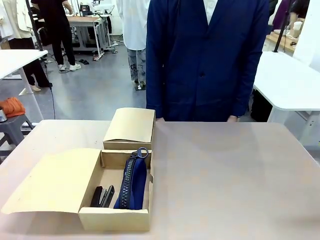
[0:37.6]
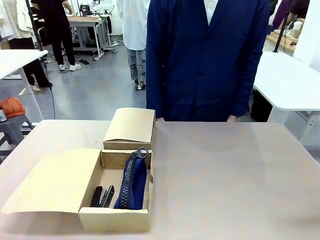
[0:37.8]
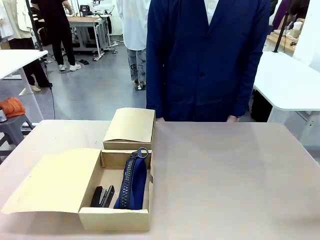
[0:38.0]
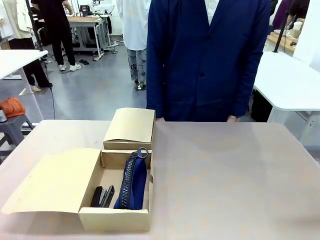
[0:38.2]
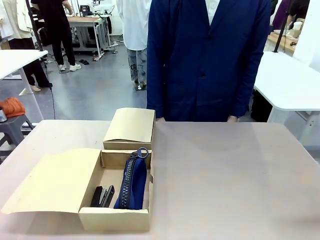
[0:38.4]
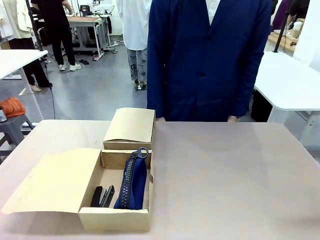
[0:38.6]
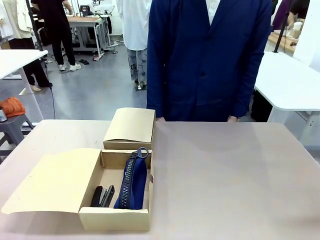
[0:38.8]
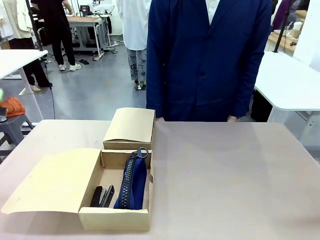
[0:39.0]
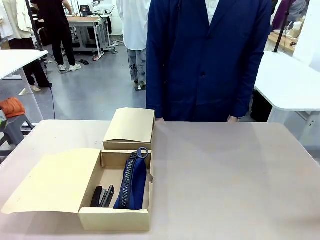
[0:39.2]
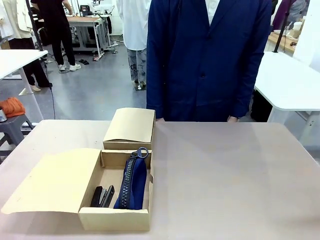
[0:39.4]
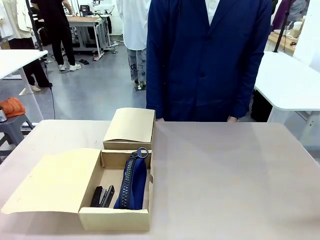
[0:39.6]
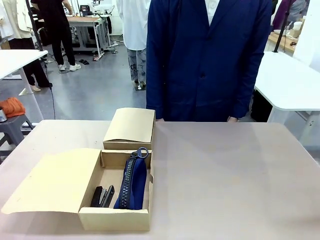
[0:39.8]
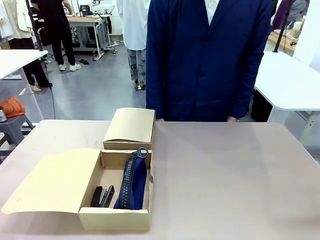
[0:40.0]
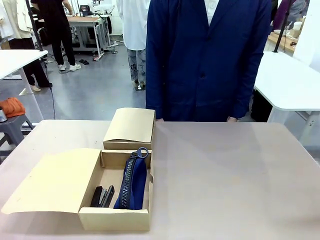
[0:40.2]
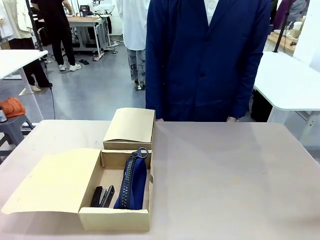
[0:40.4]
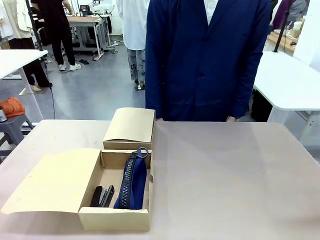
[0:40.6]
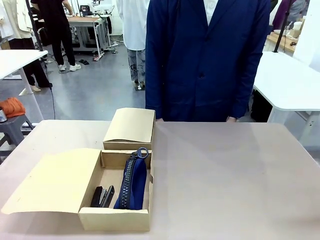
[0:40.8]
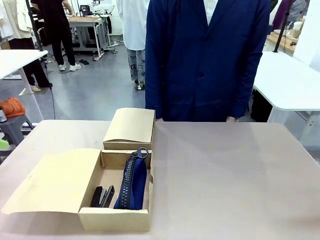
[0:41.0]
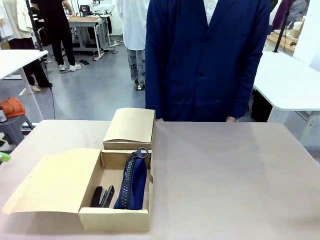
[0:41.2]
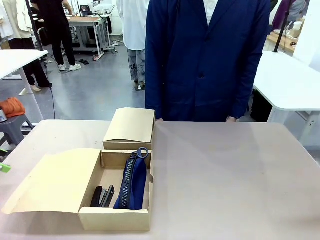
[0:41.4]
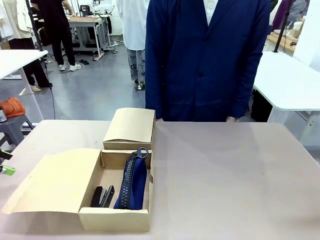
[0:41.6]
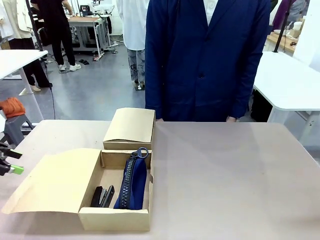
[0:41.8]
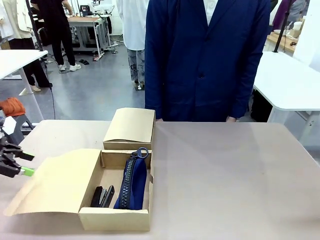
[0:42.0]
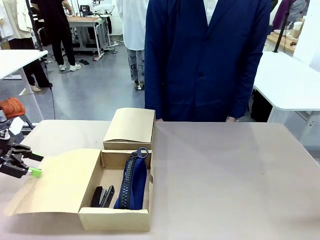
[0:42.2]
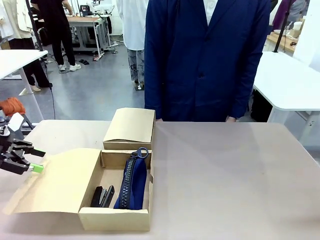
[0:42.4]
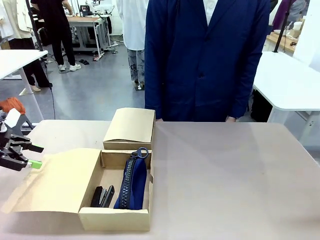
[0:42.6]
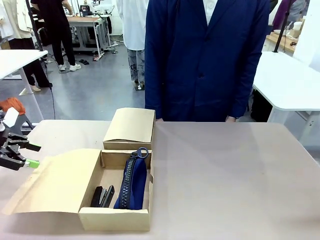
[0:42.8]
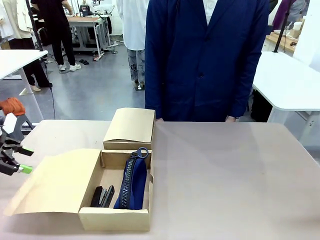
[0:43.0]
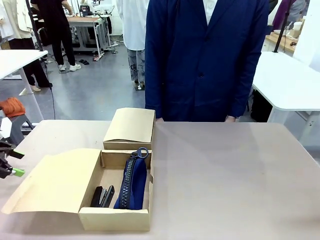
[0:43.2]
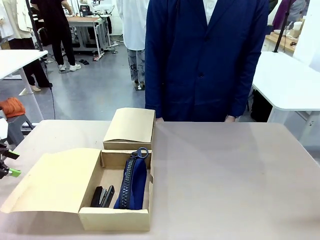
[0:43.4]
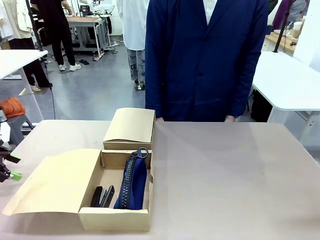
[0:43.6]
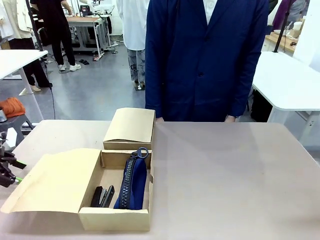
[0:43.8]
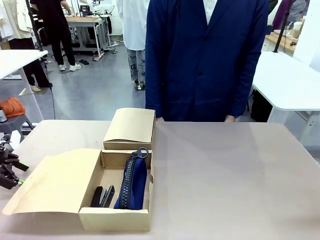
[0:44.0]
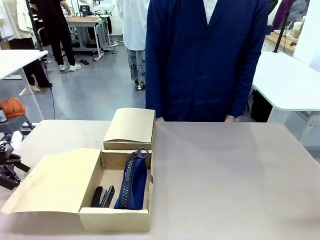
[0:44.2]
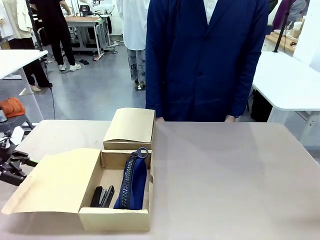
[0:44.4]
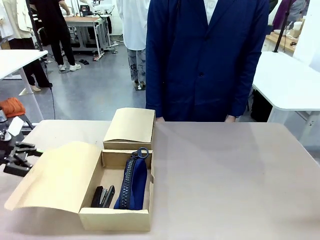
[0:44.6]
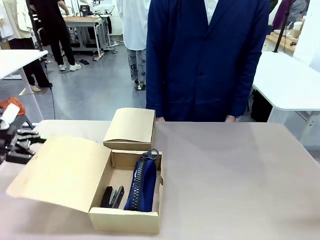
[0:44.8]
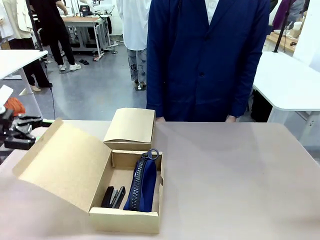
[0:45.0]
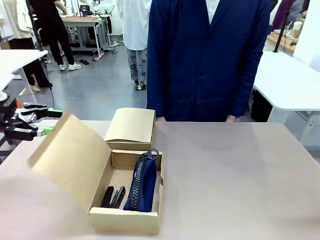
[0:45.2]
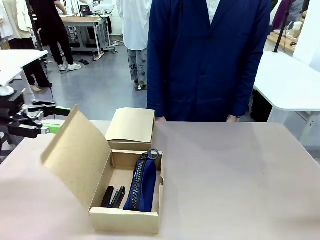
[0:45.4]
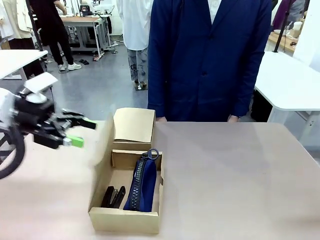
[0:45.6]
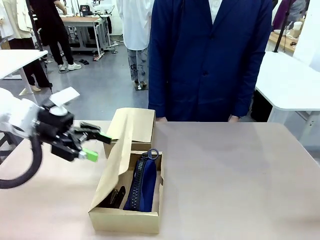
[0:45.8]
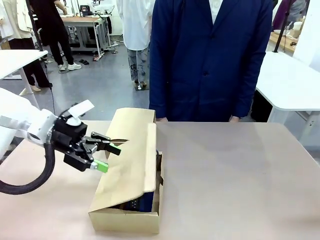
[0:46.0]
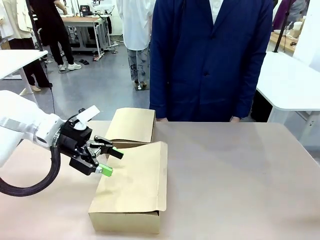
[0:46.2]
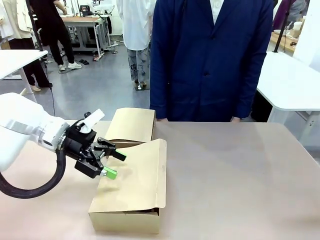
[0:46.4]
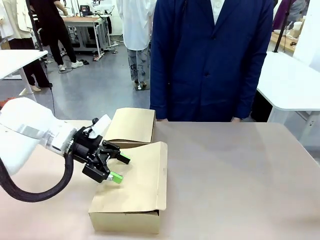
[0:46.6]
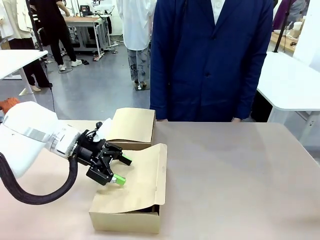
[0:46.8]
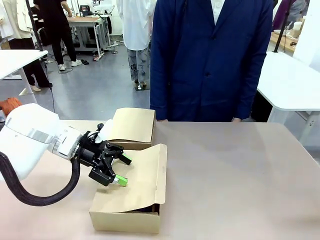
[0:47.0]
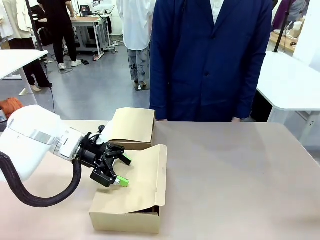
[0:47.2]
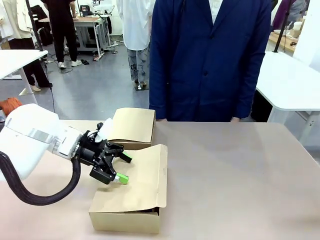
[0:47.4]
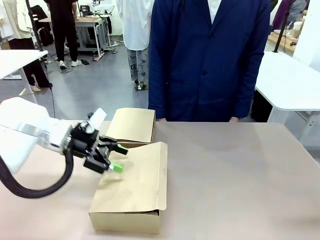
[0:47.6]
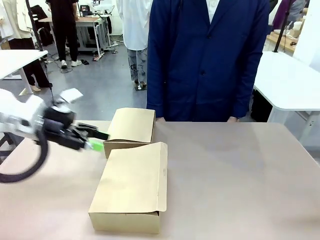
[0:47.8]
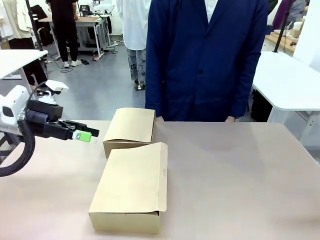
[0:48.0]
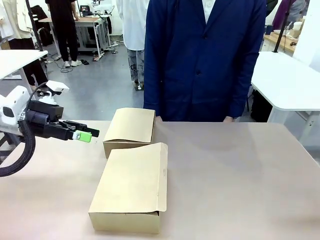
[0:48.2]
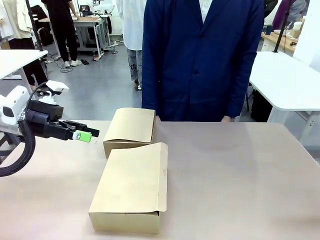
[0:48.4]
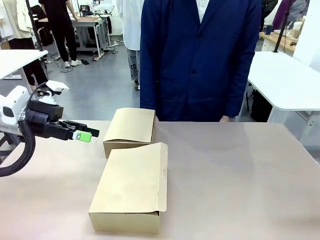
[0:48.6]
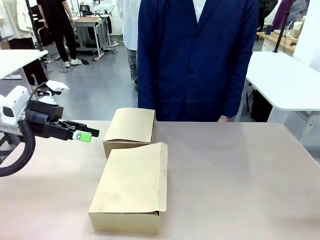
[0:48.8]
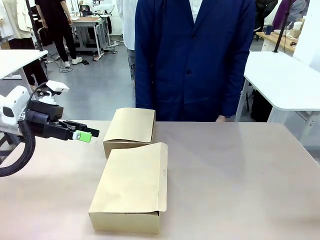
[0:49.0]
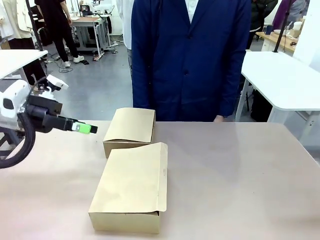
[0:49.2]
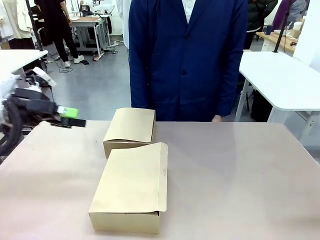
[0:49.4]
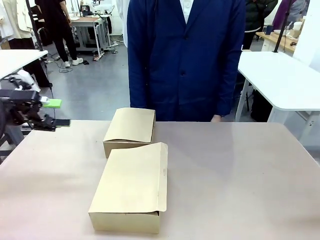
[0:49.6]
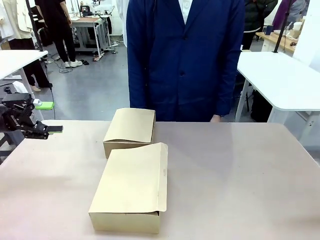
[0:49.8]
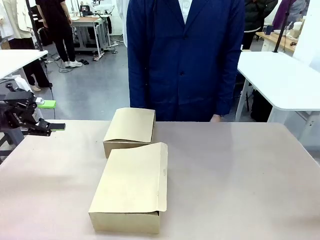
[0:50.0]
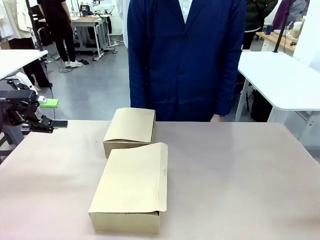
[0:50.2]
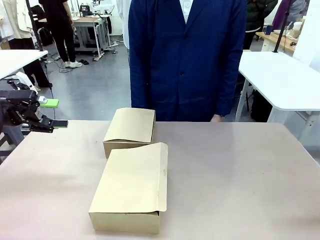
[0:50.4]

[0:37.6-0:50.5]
Task: Place items inside the box.
Robot: Close the lid of the Mailer Box closest to the robot.
Person: Close the lid of the box facing the person.
